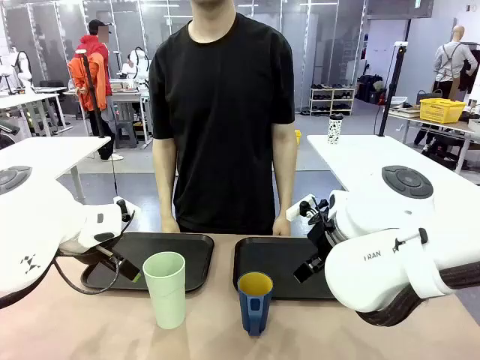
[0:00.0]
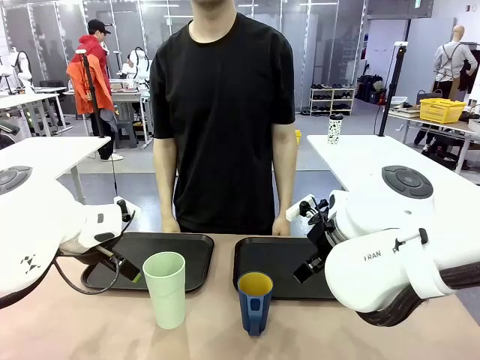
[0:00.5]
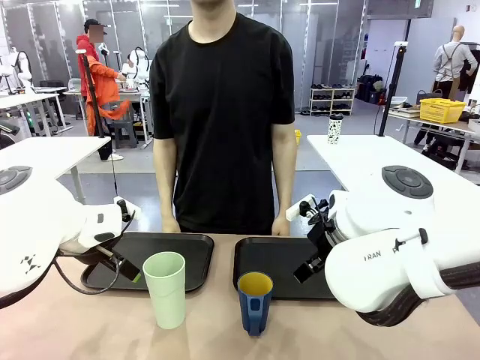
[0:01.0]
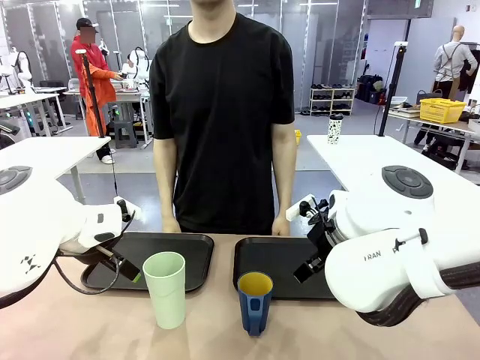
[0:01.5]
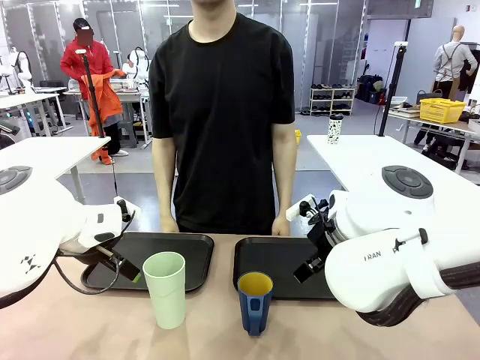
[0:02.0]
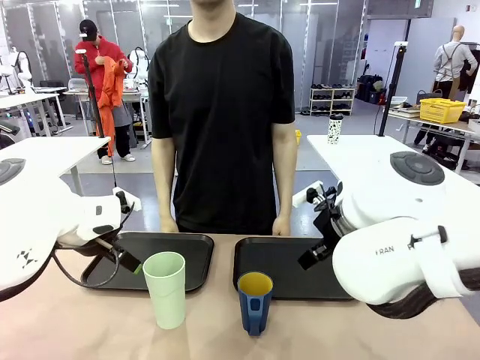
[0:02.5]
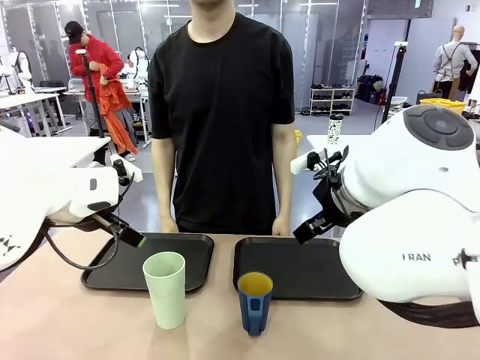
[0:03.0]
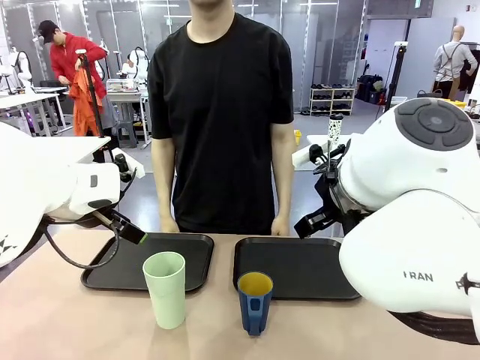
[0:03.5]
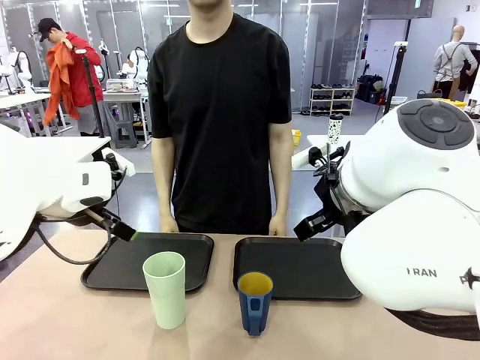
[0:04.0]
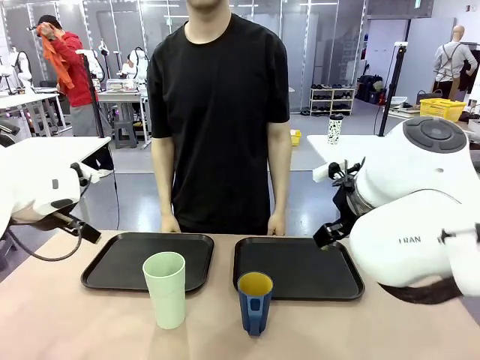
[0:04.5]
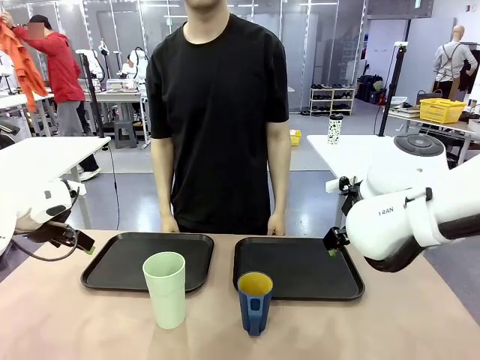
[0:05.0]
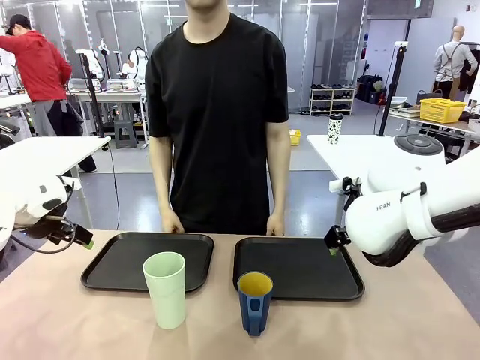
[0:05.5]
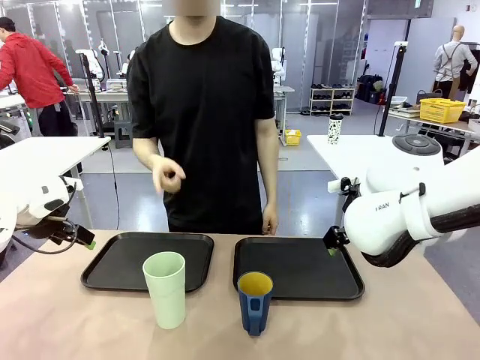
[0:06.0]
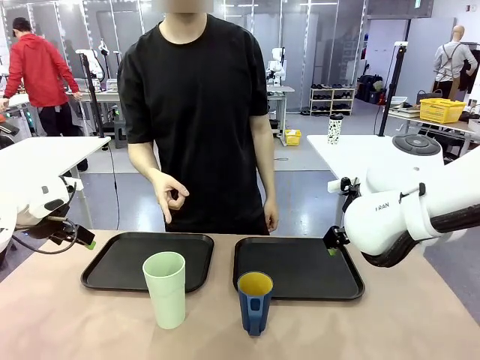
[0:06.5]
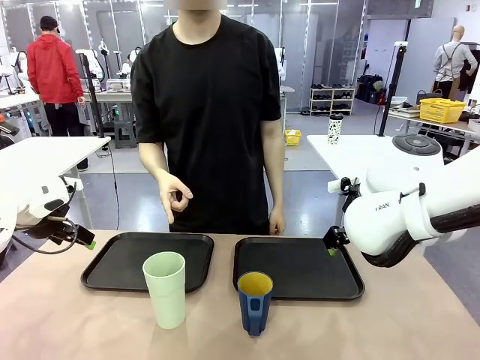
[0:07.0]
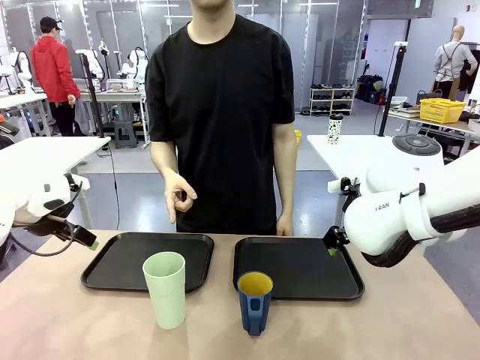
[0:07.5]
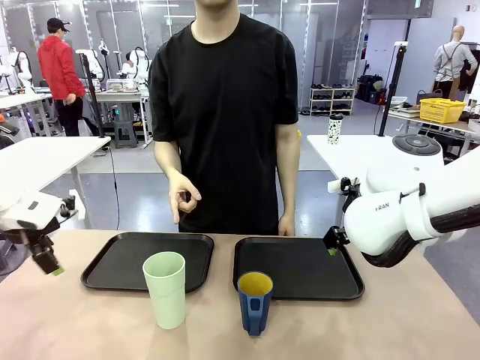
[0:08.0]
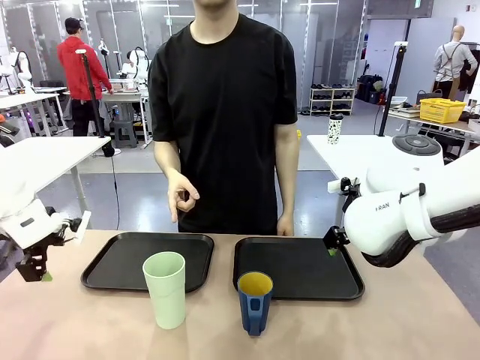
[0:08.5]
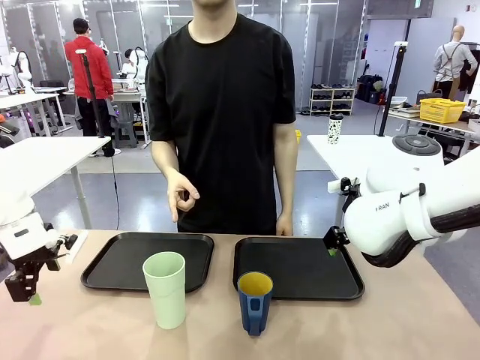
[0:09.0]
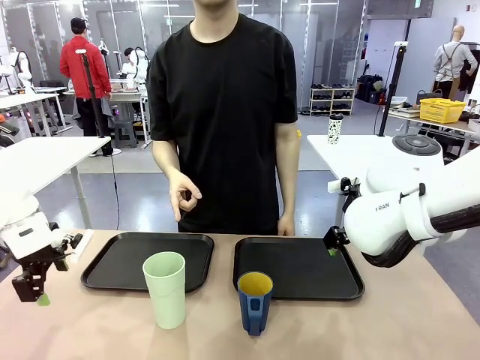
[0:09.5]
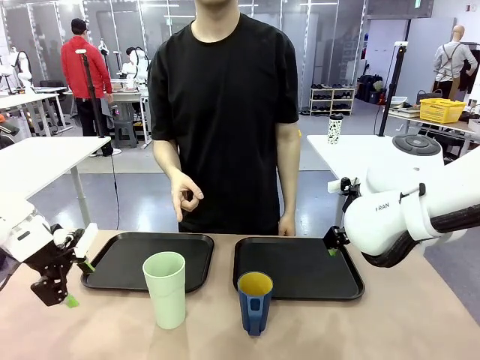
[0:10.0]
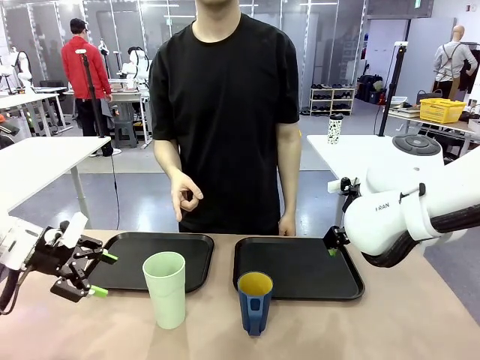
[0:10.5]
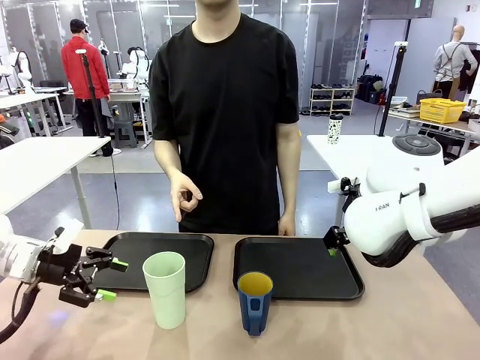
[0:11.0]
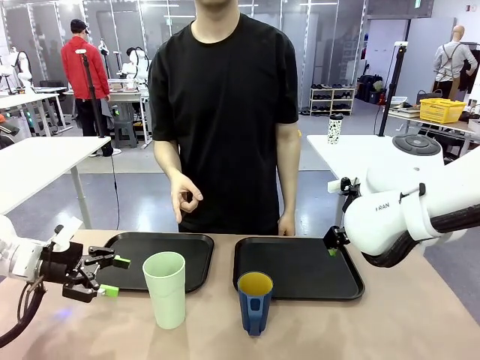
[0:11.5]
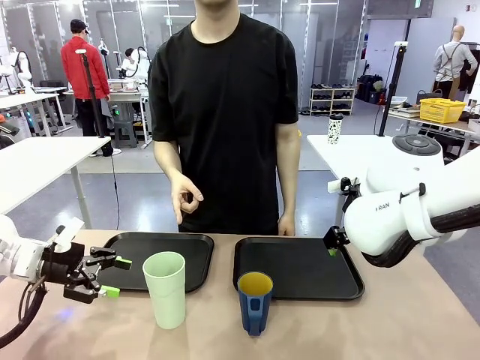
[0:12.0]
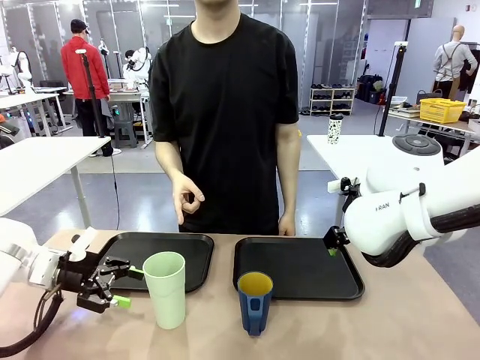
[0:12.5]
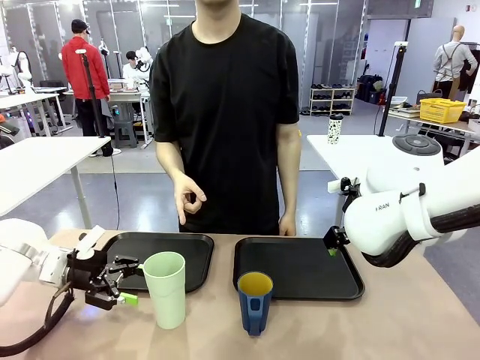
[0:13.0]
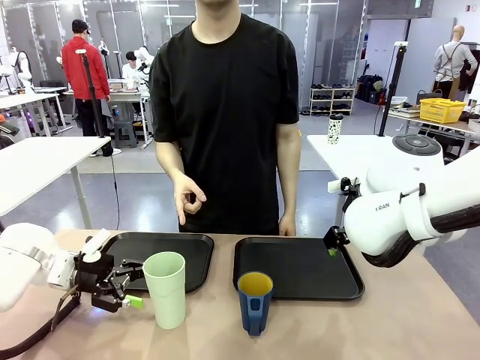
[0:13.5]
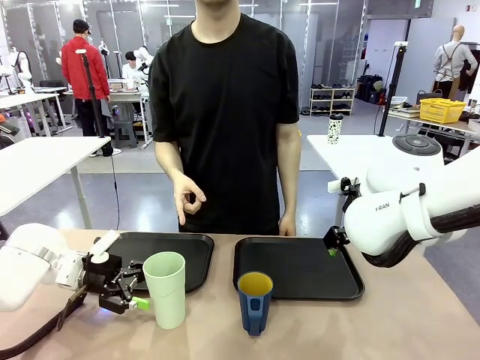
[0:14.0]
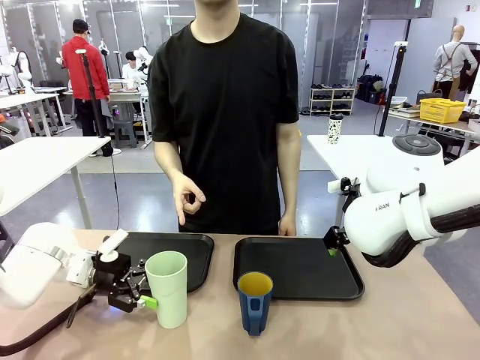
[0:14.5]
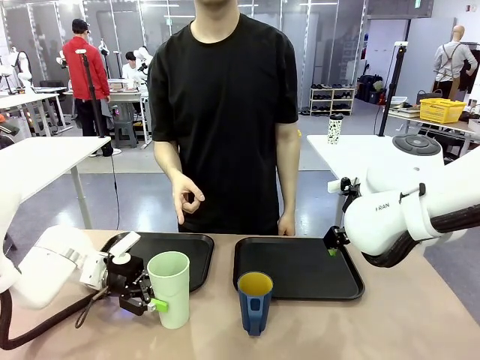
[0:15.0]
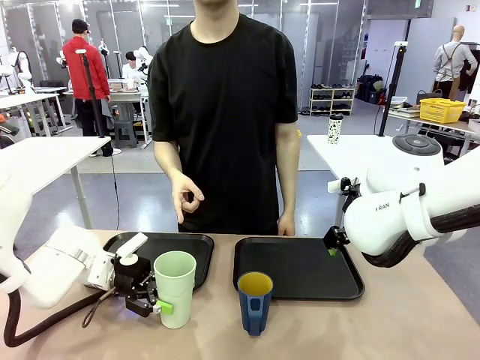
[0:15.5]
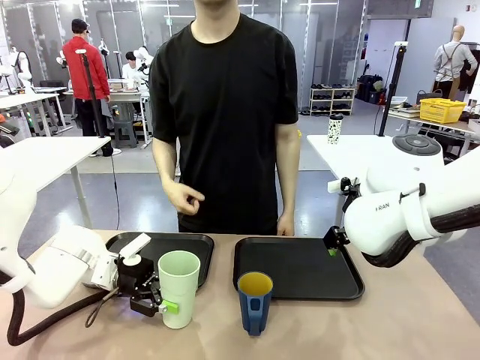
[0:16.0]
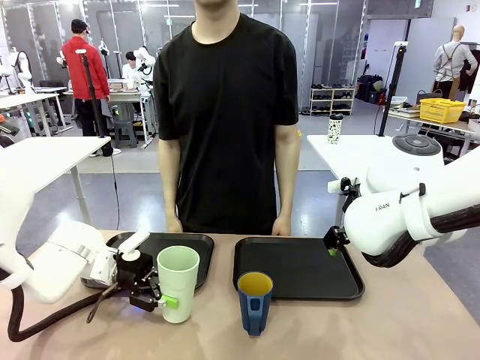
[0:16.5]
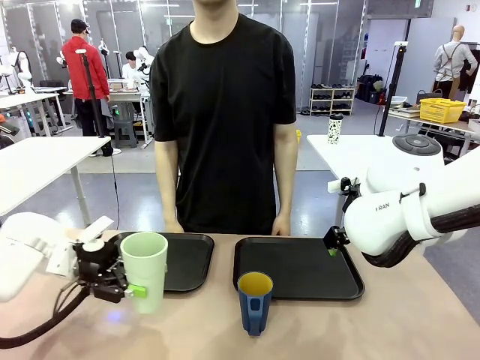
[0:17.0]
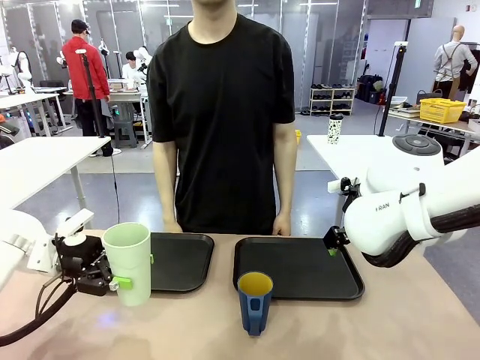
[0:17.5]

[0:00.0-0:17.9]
Task: Sort and store the cups by type.
Robot: Pick up the Reusable plastic cup.
Person: Points to the reusable cup. Point to one of the two trays.

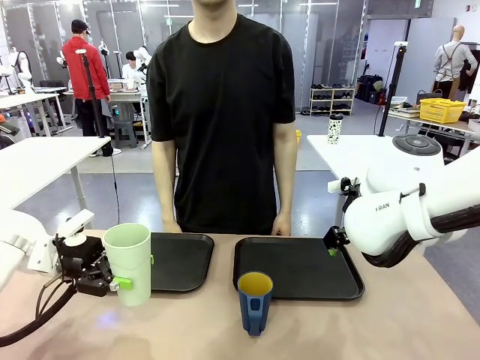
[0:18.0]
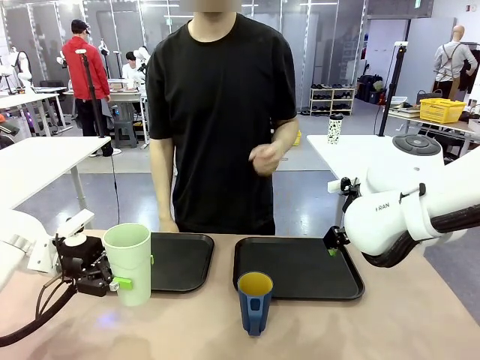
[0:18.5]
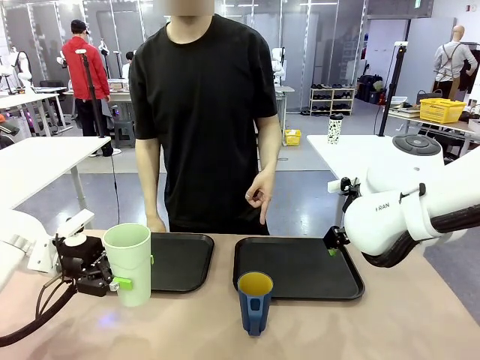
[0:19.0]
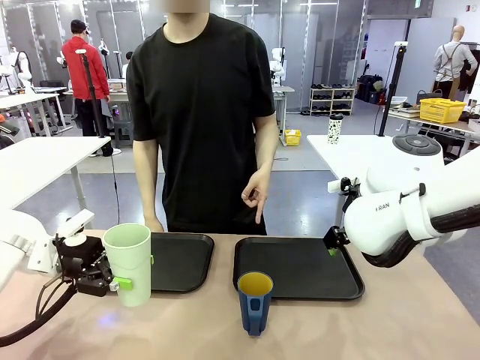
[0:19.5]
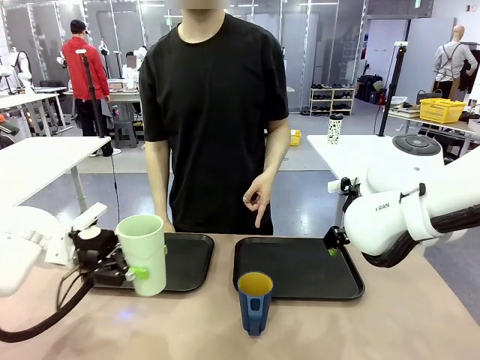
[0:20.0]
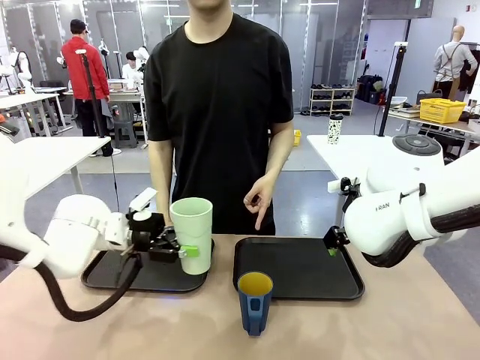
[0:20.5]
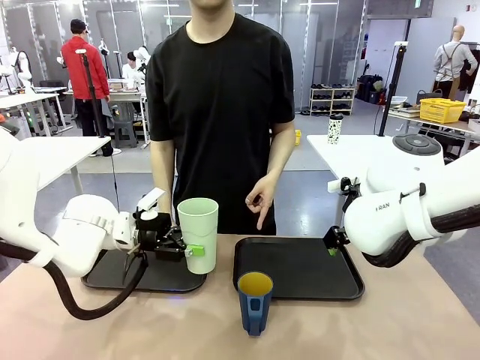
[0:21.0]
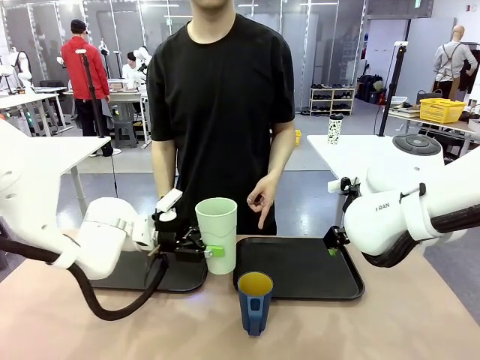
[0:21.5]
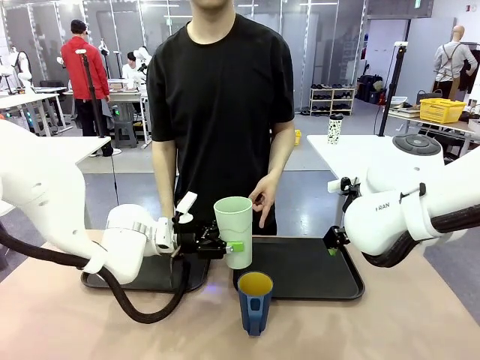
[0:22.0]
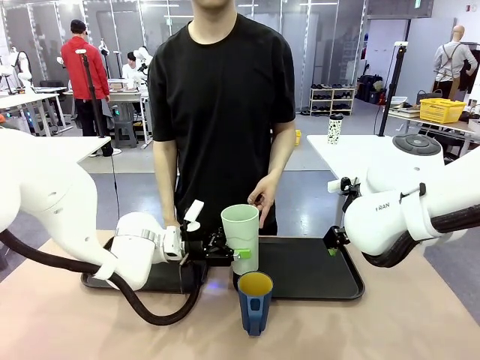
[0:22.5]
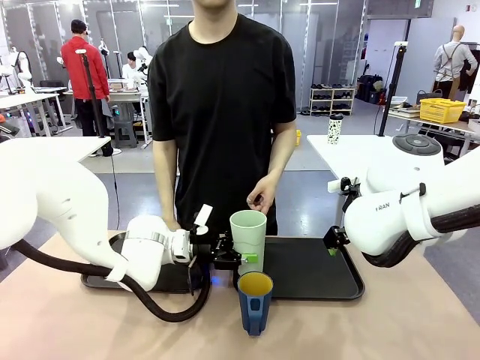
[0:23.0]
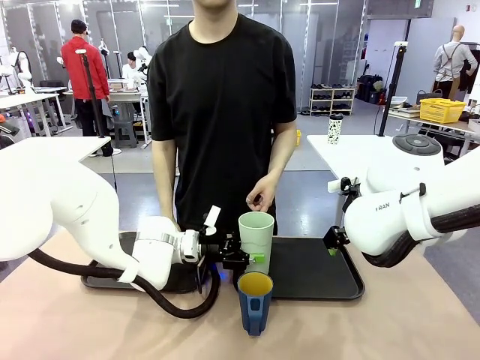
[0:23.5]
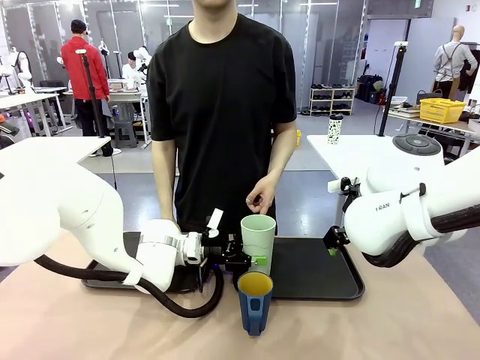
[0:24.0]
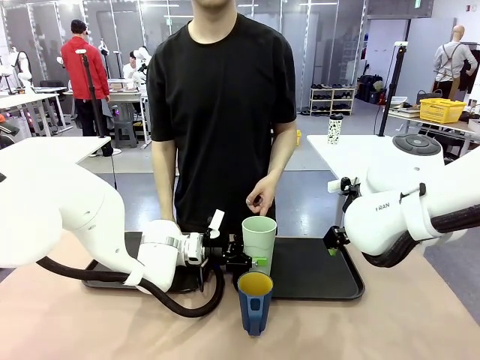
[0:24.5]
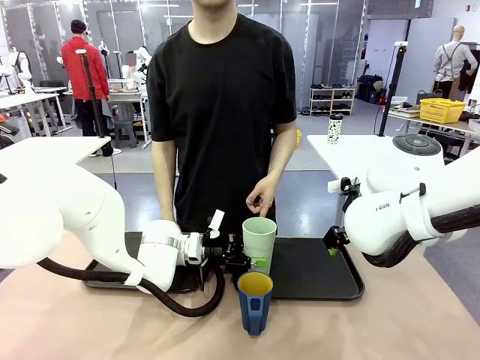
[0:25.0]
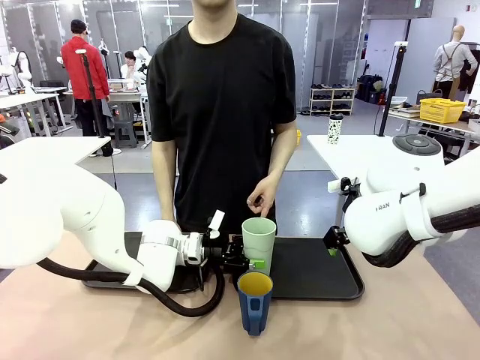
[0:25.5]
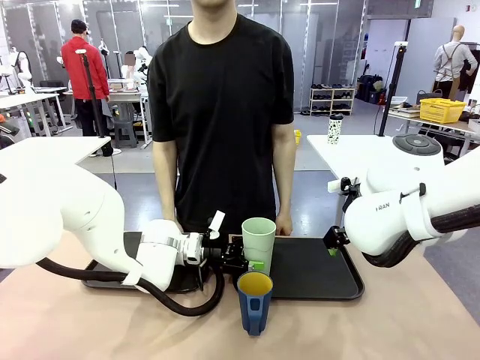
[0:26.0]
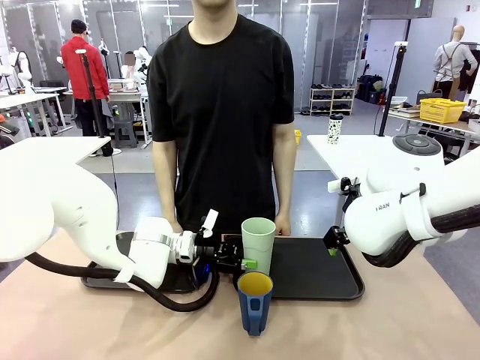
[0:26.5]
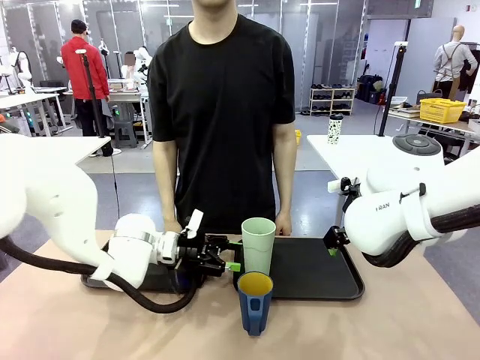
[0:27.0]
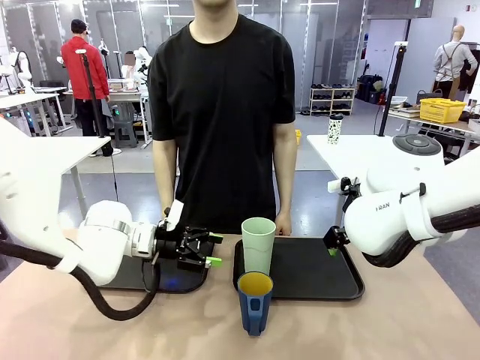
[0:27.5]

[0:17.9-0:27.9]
Robot: Place the picked Reusable plastic cup into the Flat Tray indicated by the person.
